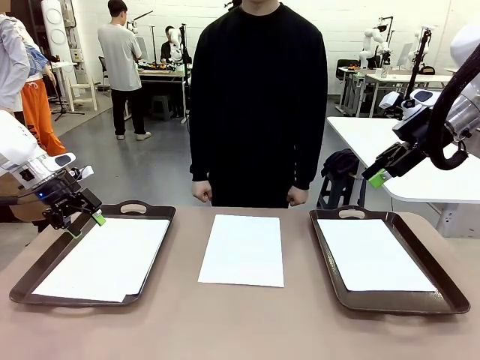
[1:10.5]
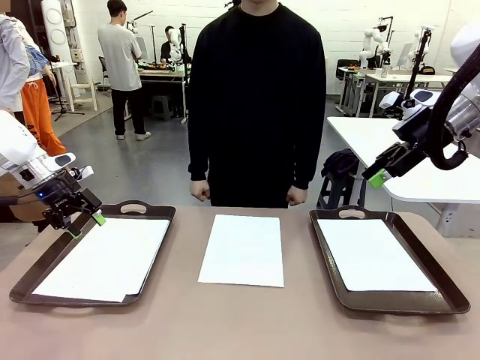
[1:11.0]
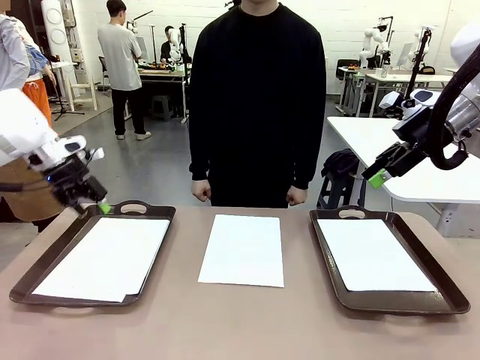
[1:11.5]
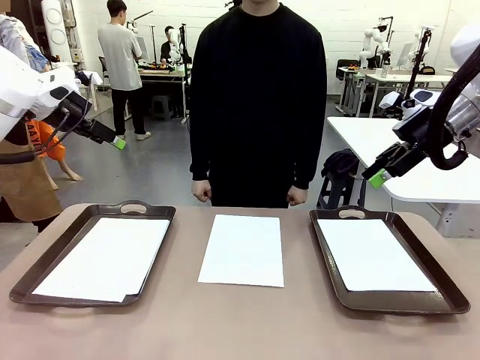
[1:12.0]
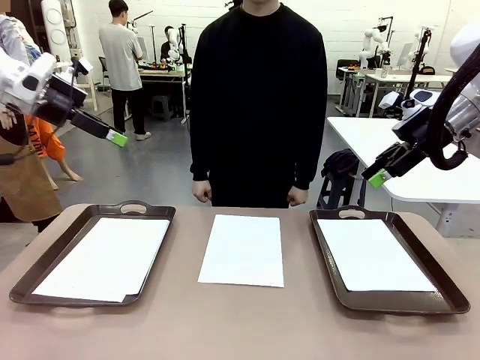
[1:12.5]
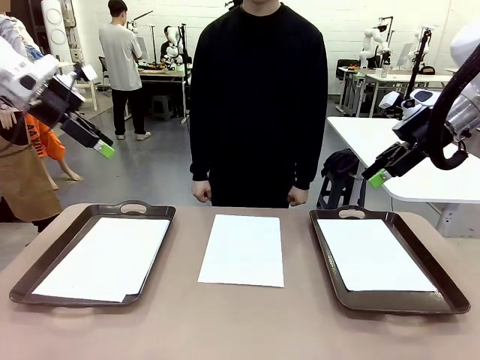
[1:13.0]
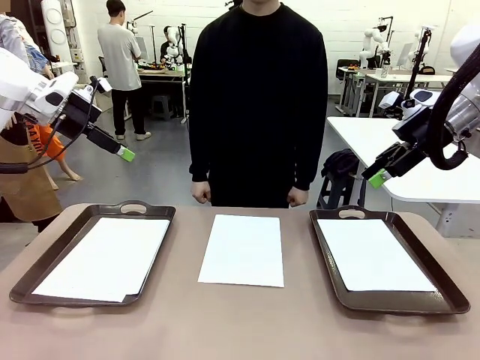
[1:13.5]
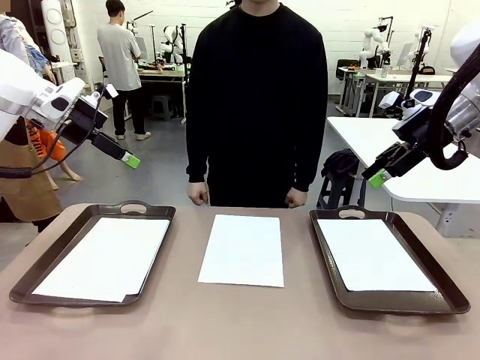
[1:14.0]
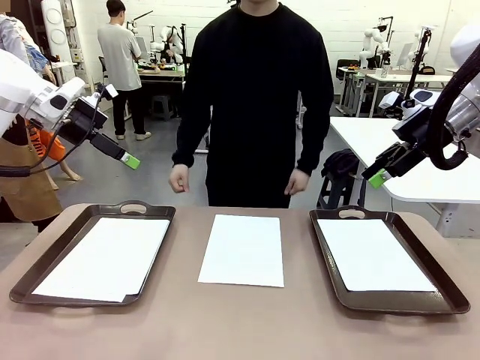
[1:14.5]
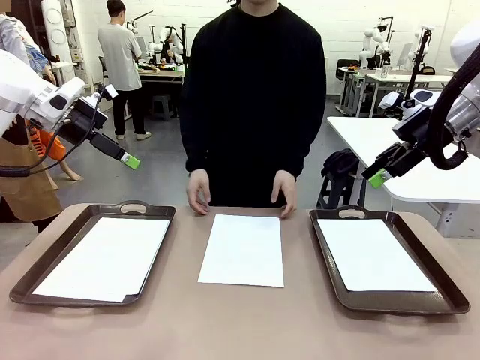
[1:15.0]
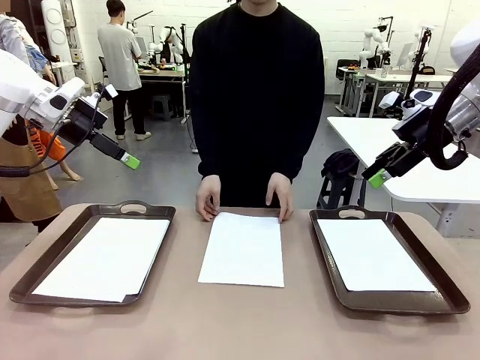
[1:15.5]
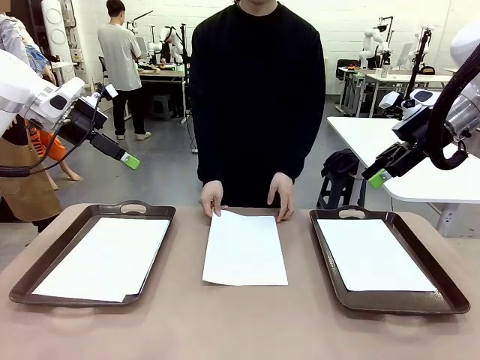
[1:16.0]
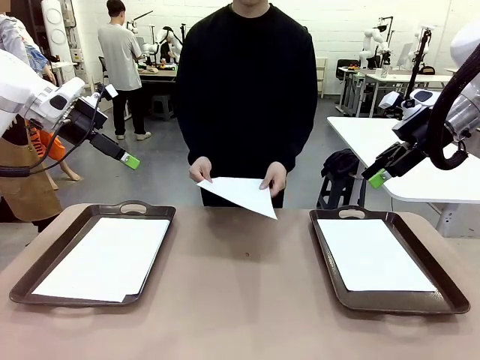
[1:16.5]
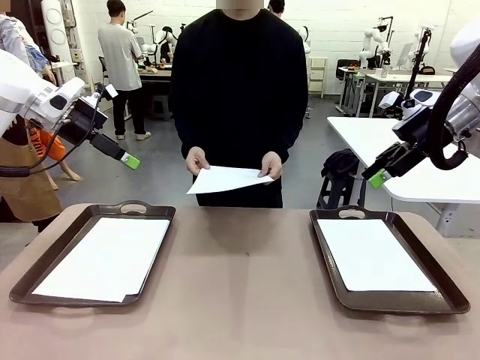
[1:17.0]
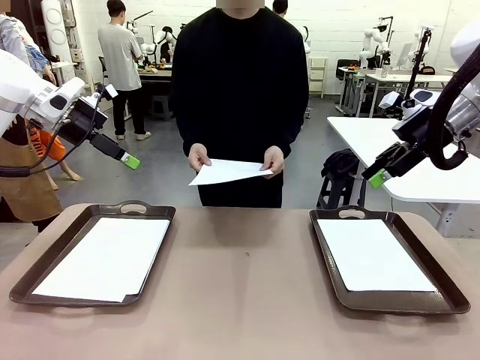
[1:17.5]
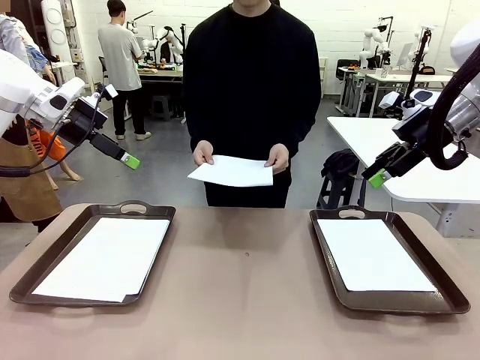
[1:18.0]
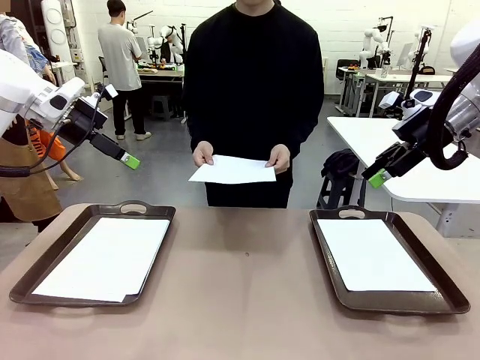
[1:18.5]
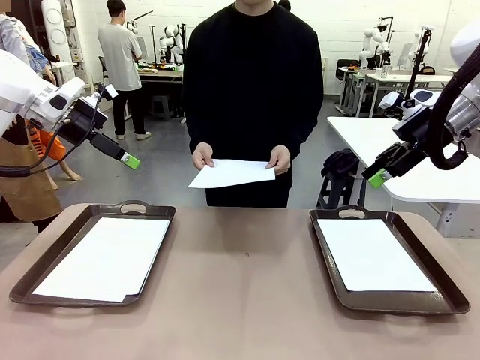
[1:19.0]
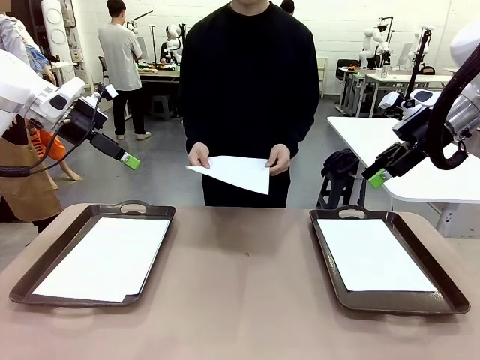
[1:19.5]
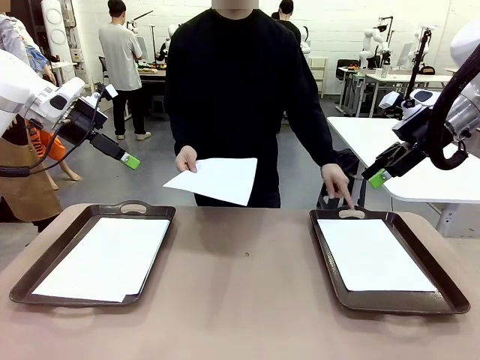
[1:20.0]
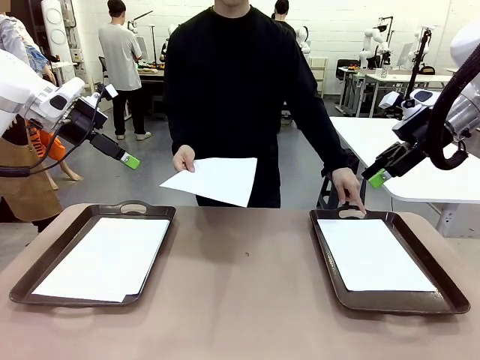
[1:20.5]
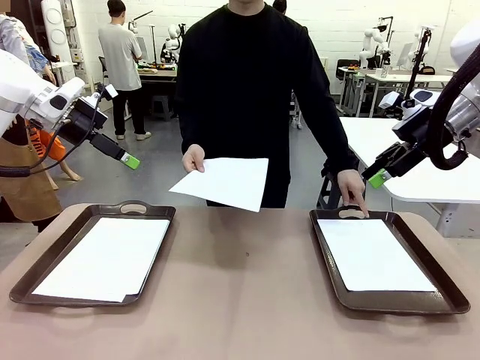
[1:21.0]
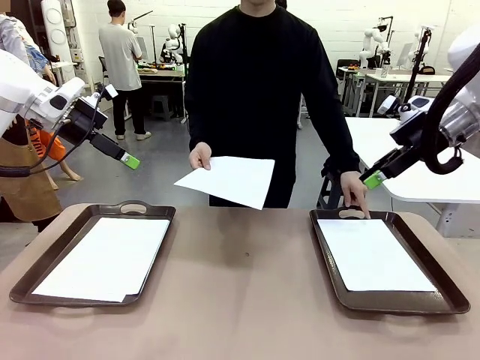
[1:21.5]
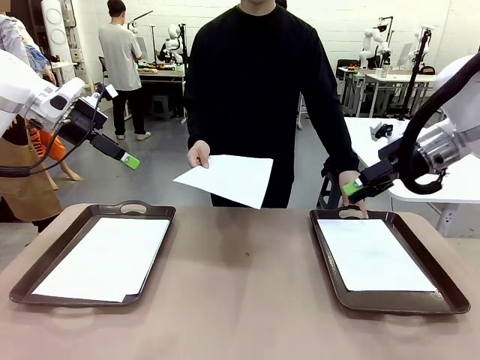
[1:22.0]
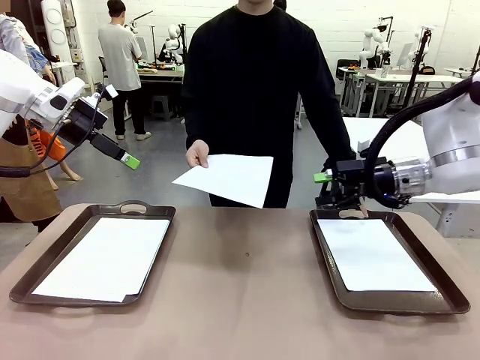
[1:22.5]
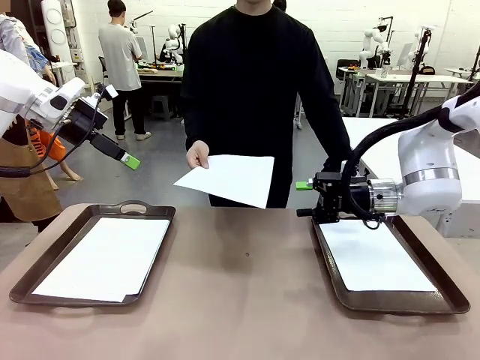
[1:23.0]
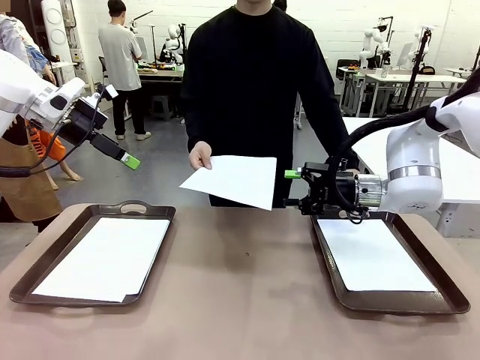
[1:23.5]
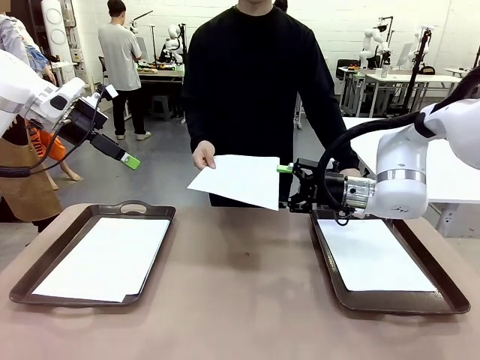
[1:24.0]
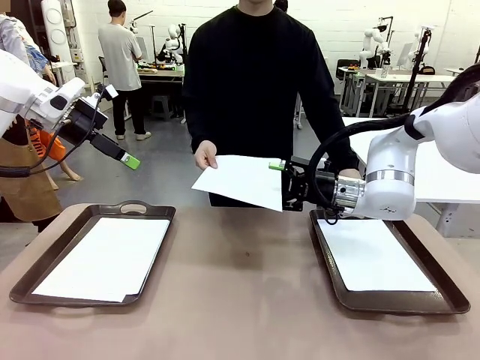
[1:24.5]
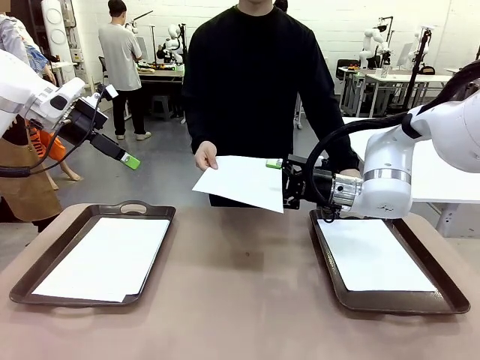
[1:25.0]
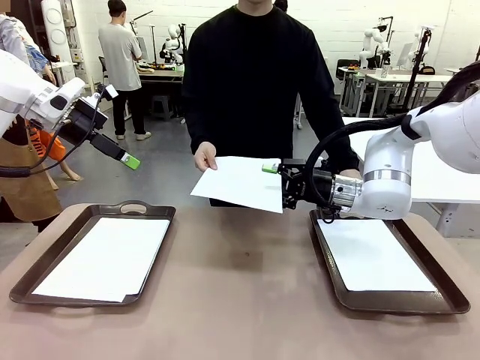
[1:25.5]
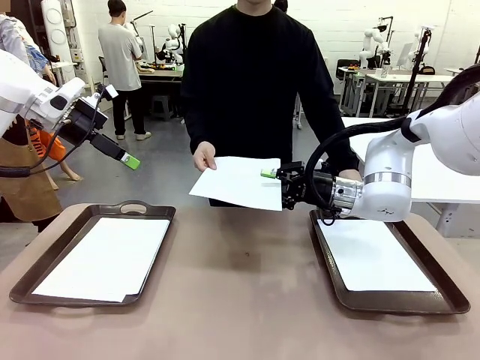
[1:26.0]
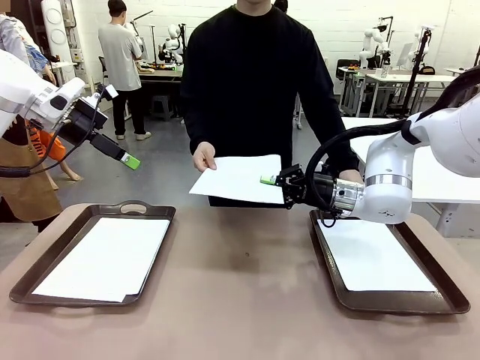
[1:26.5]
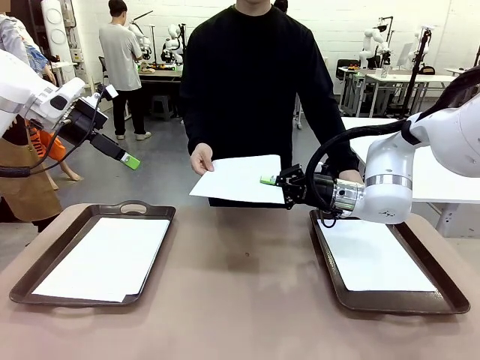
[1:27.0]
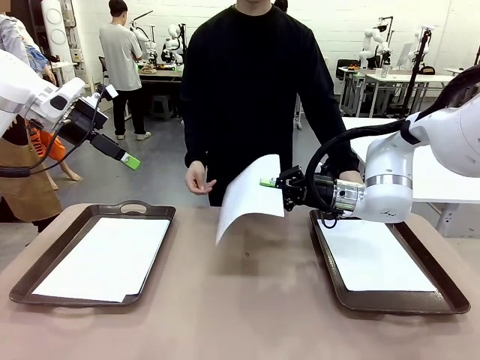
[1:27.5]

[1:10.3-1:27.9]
Task: Sort the A4 documents.
Robot: Receive the A4 Paper.
Person: Point the randomly selected tray with the other hand.

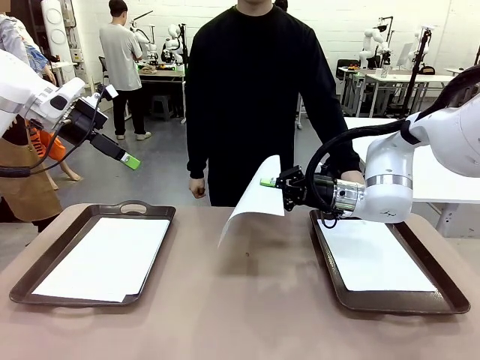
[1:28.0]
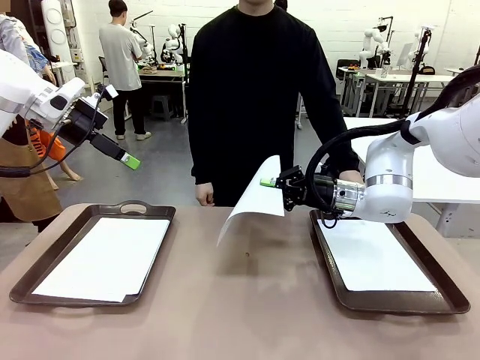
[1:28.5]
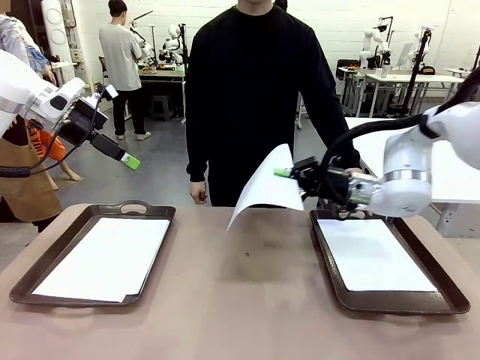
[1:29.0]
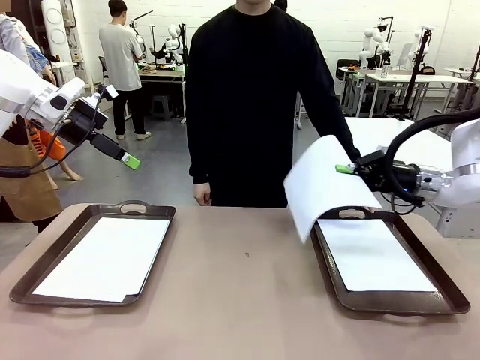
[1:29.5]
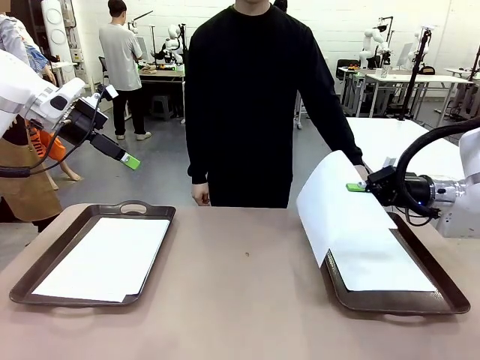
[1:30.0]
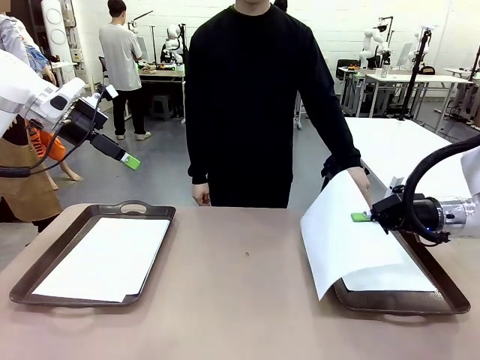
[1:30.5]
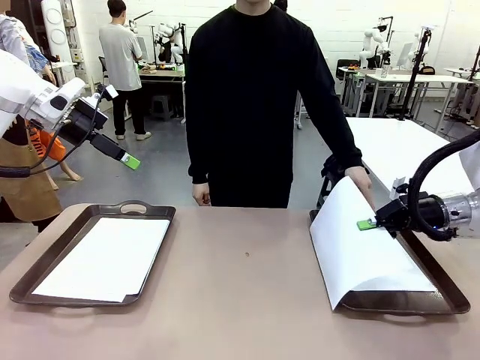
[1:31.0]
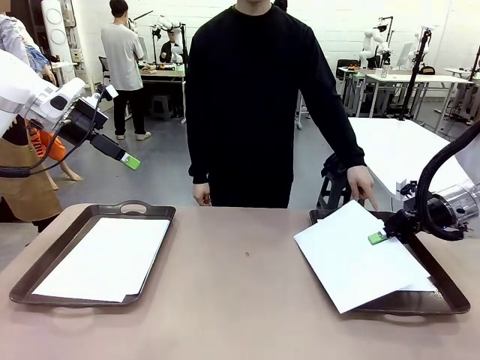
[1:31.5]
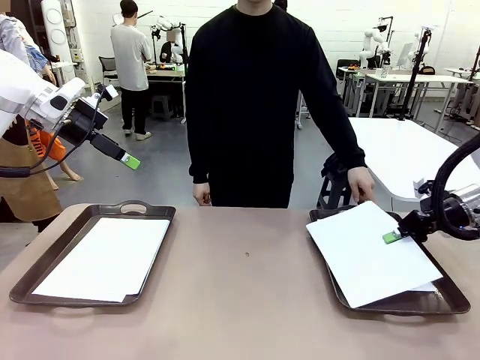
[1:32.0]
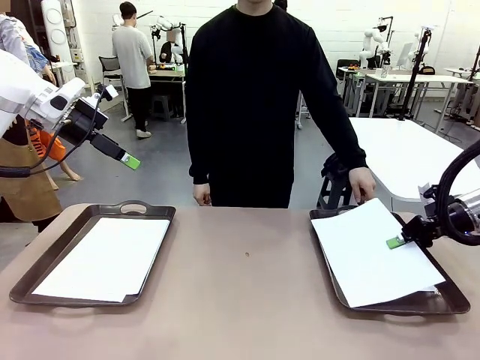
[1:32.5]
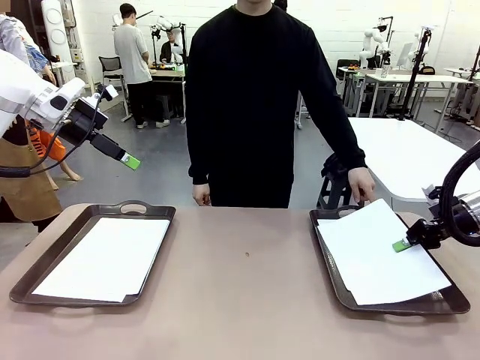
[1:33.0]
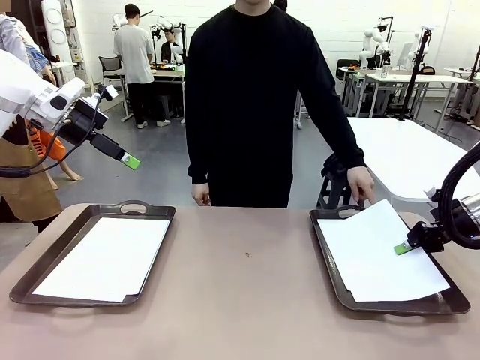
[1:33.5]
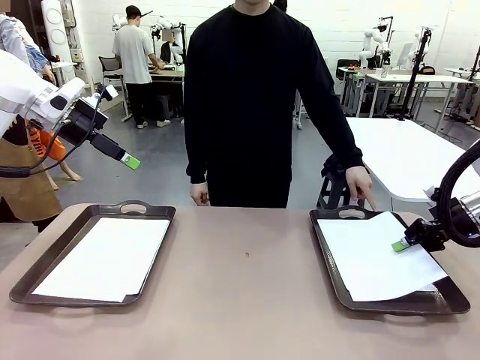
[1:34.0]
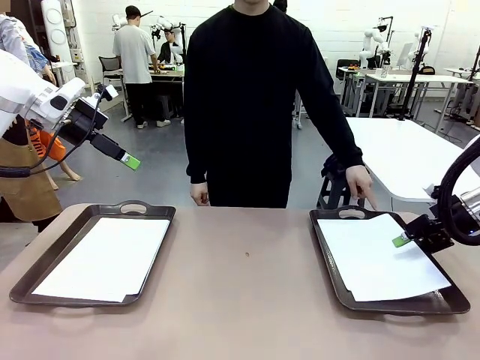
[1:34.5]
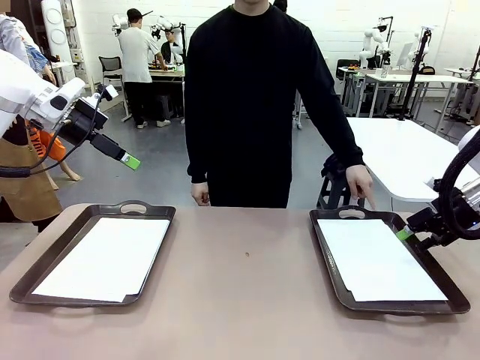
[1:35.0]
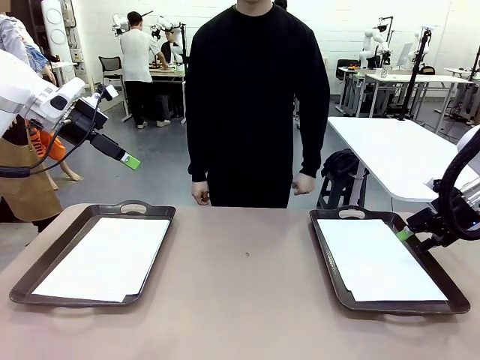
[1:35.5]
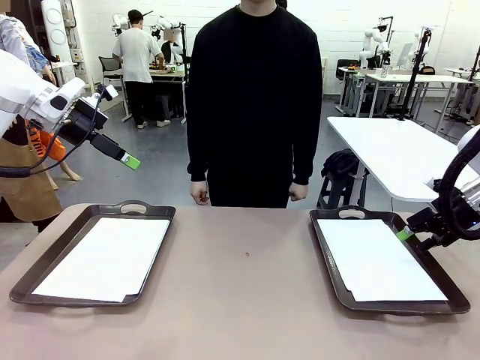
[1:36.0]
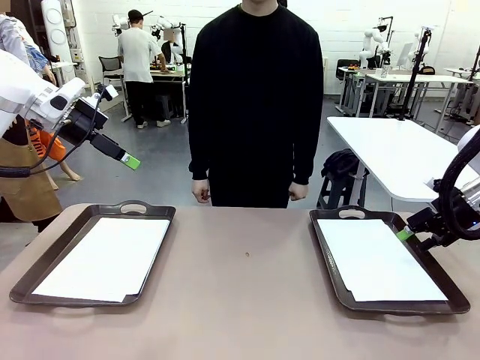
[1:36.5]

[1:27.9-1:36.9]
Robot: Place the A4 Paper in the designated Handle tray.
